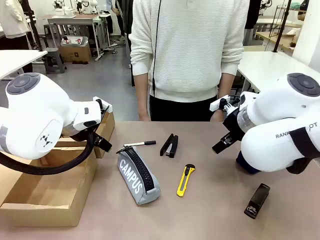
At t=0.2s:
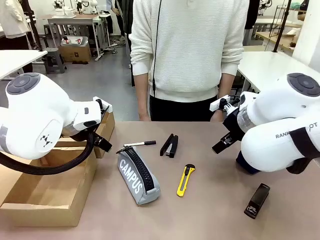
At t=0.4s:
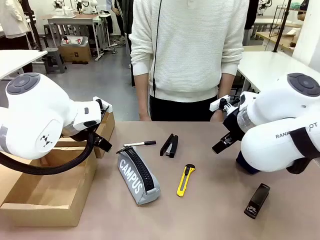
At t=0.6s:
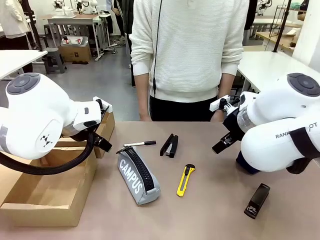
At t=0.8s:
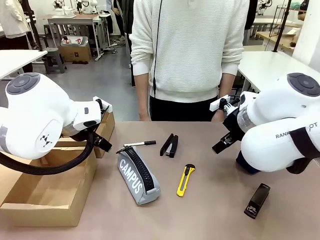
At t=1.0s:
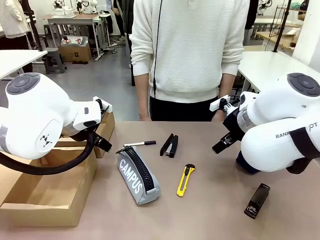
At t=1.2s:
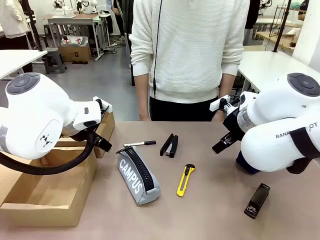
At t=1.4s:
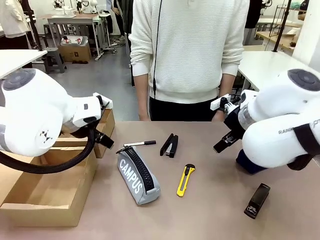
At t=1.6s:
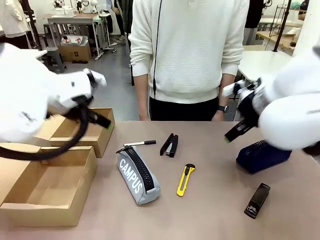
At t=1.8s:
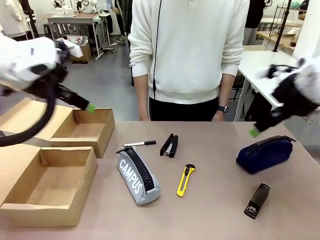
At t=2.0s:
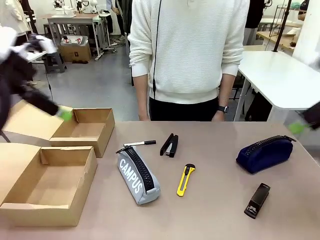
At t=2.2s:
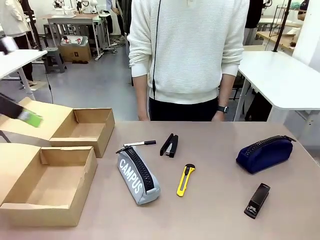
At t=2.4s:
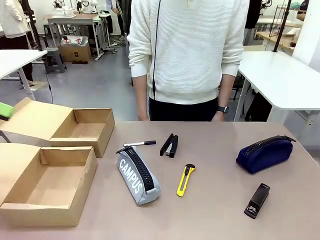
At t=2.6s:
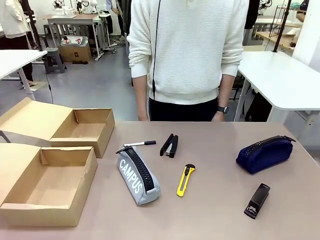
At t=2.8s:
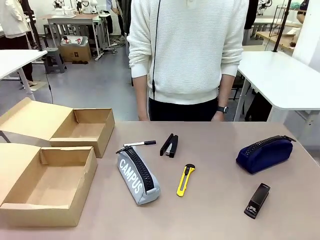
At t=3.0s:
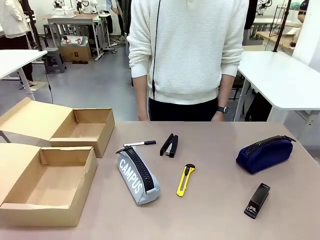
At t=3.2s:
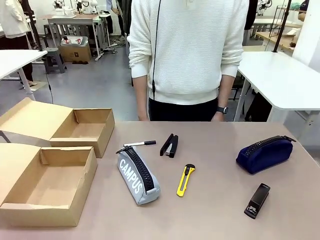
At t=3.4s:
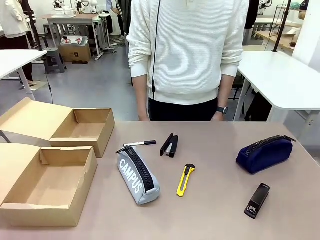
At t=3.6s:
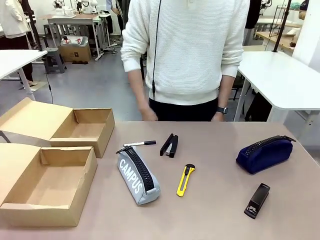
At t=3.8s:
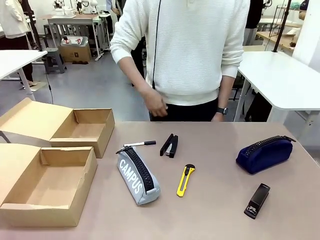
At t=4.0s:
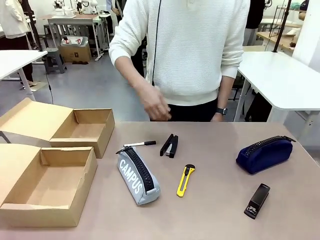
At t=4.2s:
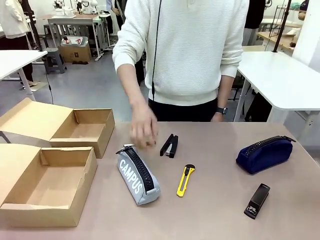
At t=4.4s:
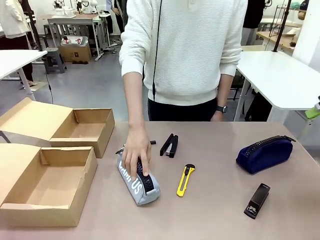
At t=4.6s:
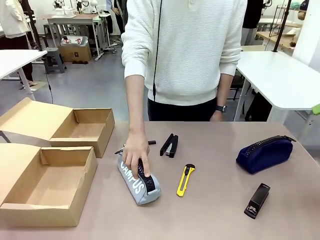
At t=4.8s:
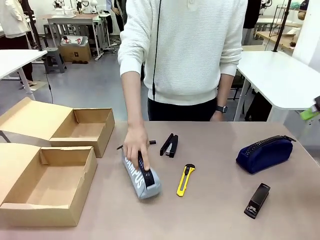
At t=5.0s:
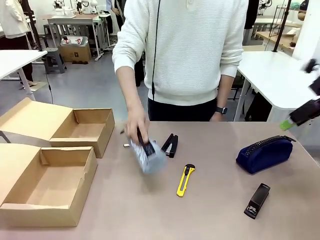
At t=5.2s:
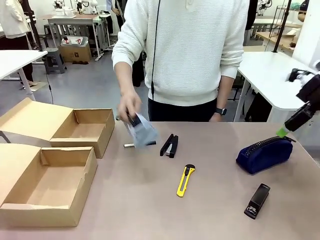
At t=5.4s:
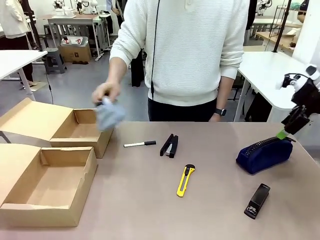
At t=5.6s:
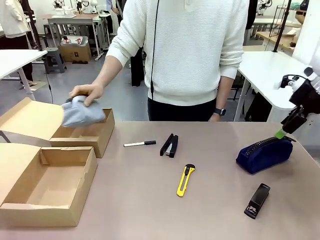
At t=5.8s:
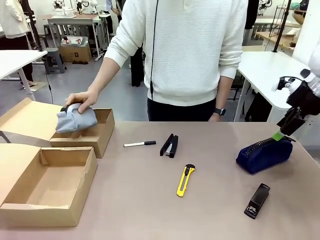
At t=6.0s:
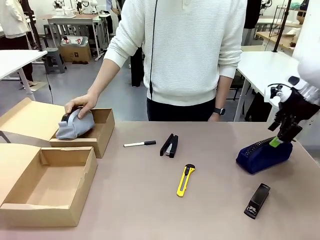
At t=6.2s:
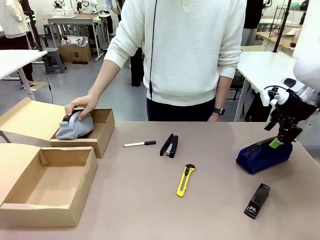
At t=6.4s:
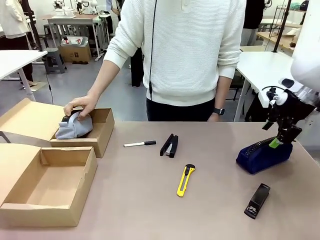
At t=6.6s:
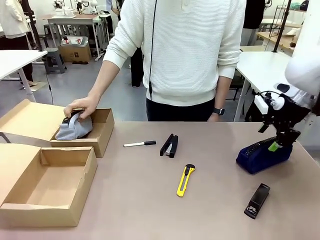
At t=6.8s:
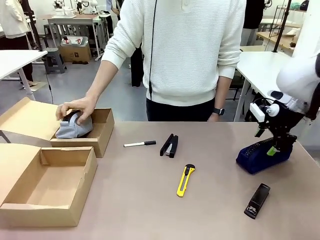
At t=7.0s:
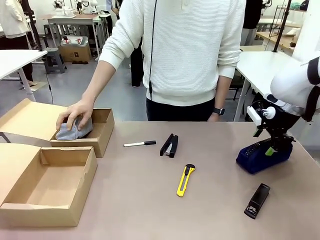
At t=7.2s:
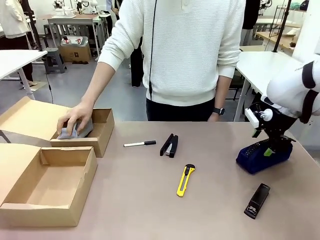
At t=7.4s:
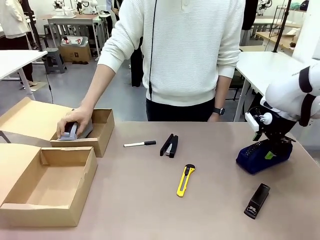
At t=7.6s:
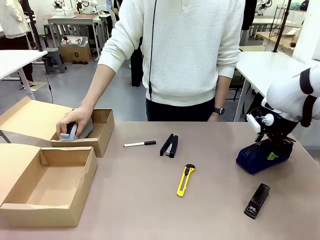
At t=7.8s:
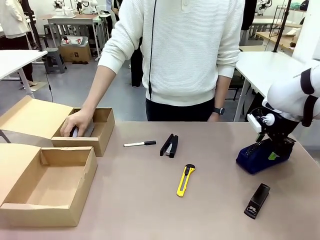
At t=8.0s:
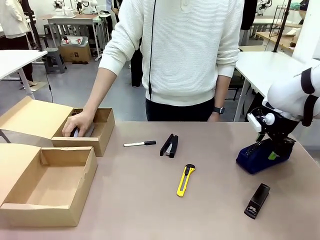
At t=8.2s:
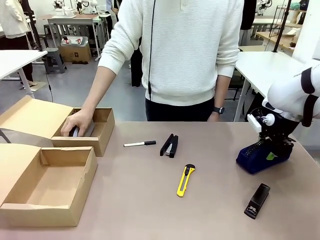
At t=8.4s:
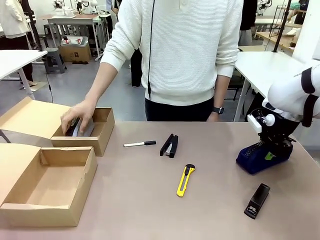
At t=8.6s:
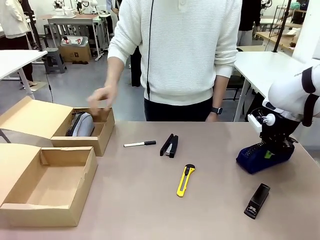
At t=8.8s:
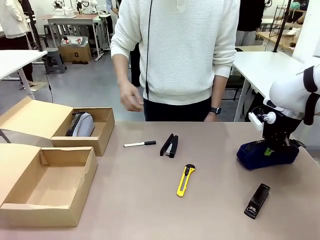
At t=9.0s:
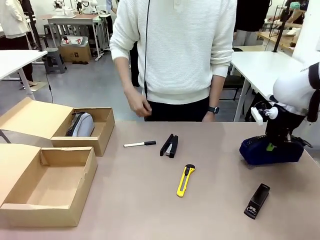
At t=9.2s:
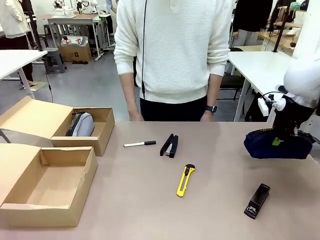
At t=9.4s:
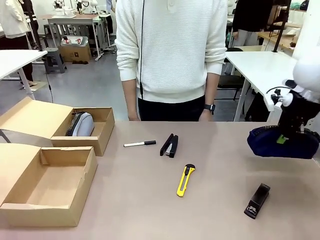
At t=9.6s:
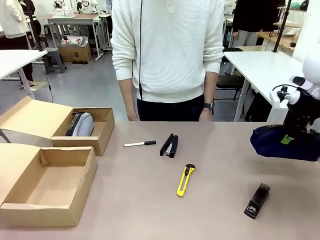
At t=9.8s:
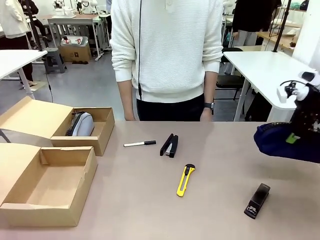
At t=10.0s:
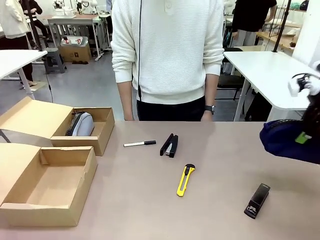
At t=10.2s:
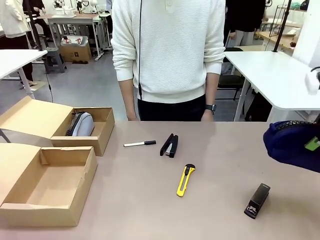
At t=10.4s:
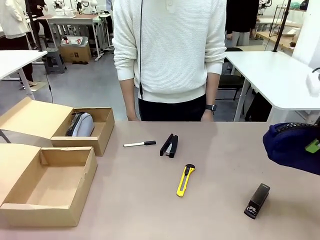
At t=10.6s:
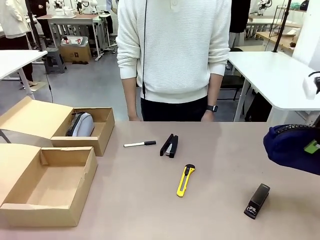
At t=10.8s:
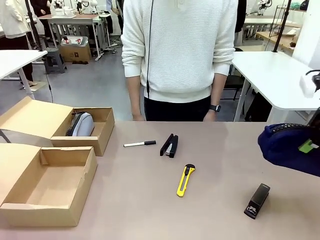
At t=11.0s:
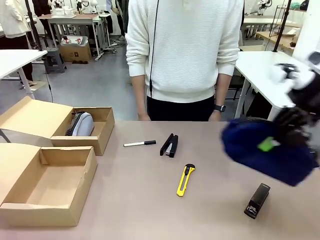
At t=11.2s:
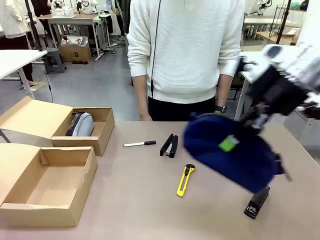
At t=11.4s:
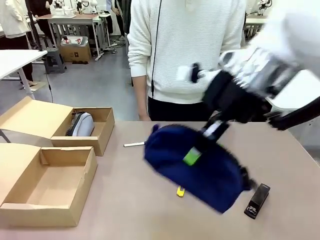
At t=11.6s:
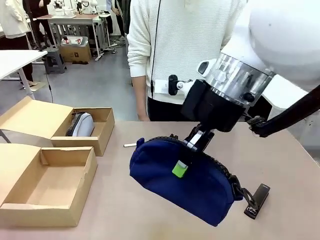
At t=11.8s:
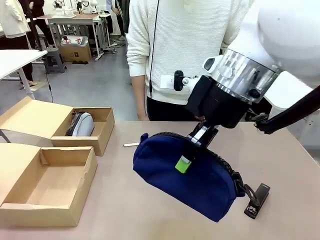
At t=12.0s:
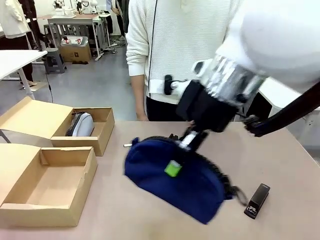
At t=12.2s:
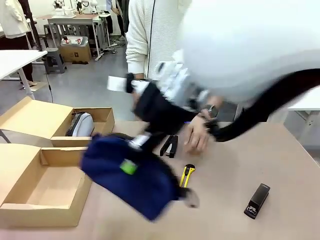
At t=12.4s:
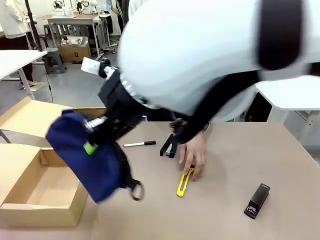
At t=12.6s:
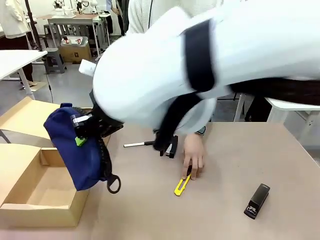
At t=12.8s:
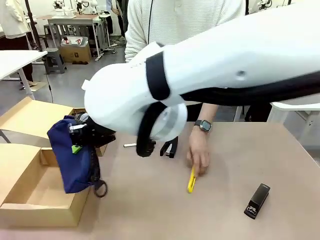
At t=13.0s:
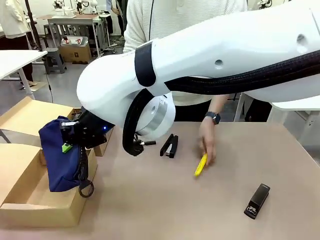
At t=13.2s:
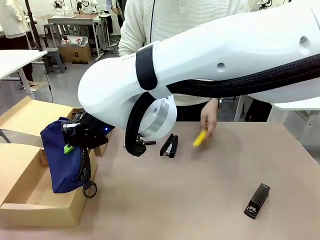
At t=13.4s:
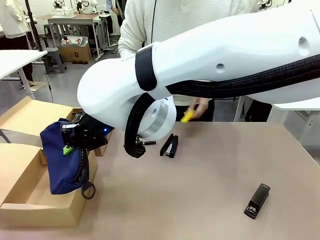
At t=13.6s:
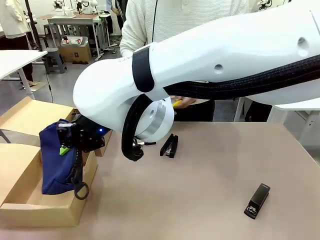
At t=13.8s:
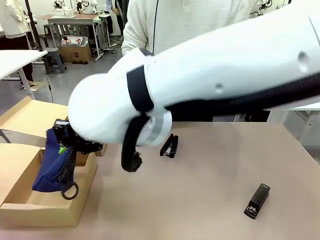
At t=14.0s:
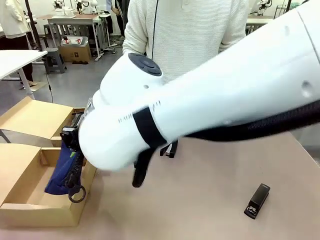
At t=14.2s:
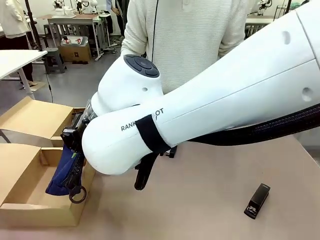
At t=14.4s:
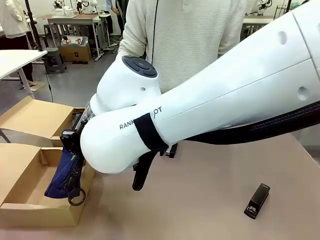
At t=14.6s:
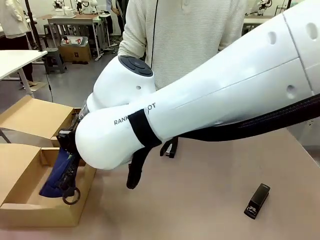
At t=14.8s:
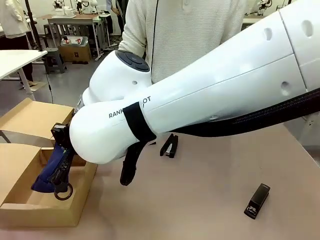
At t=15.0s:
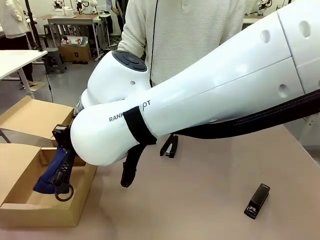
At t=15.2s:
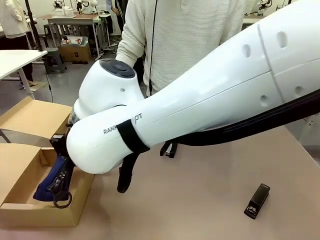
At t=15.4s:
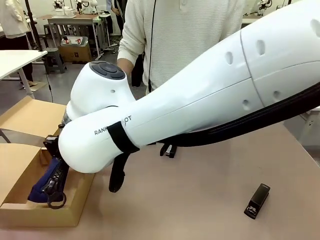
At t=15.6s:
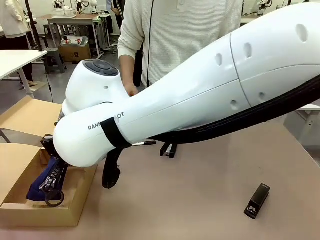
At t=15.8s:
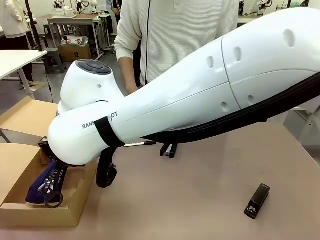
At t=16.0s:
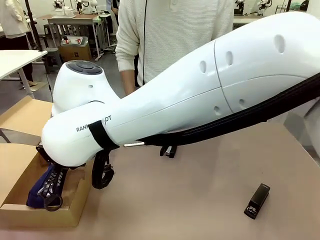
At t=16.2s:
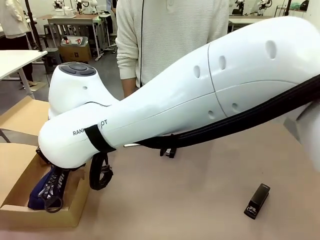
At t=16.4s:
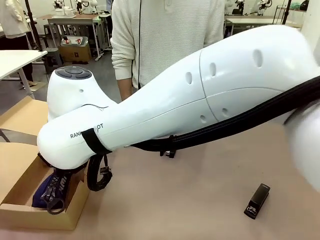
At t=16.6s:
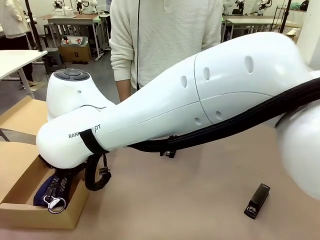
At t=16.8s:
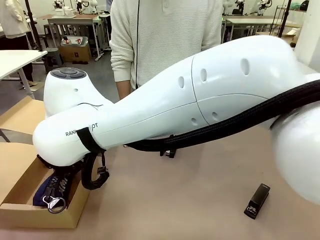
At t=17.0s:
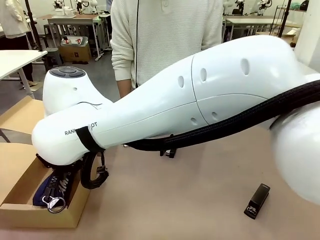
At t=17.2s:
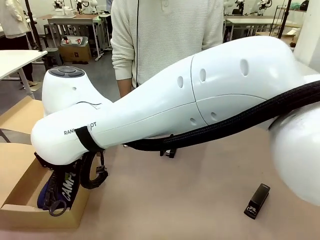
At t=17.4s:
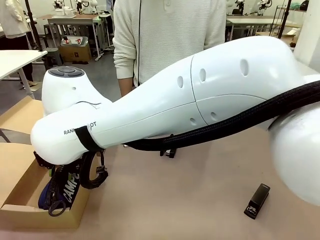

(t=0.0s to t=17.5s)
Task: Place items inside the box.
Robot: Pick up a Pencil pouch or Stapler and place it inside the Mailer Box closest to the robot.
Person: Pick up an object on the table and put it in the box.
